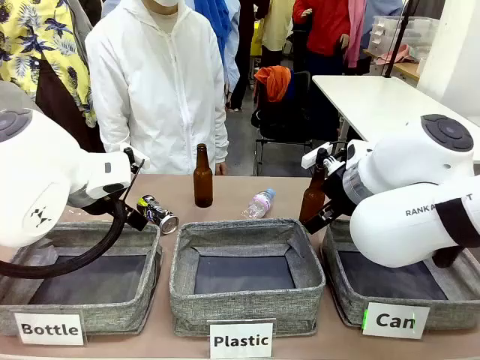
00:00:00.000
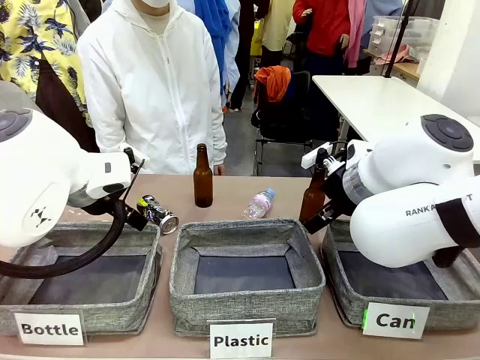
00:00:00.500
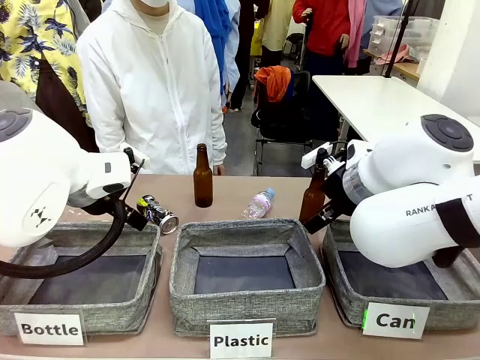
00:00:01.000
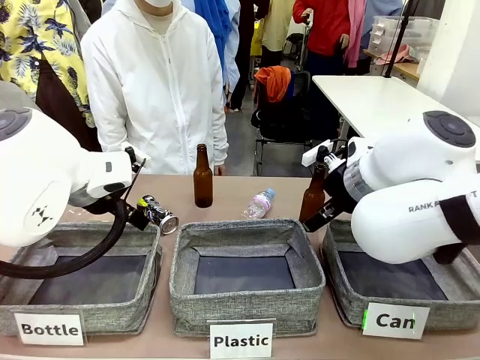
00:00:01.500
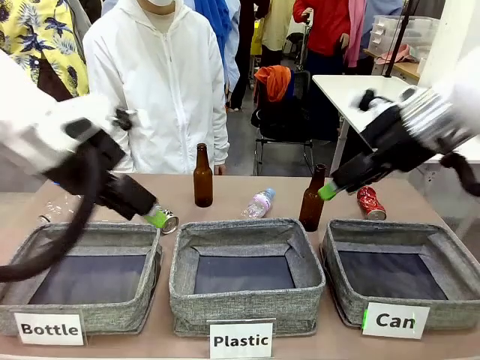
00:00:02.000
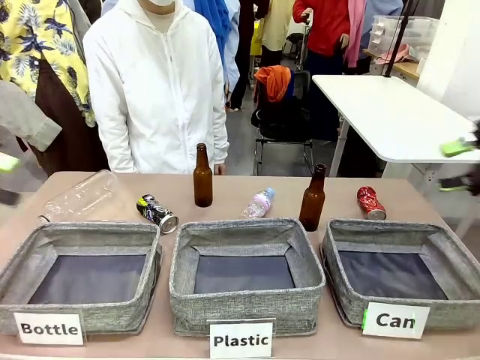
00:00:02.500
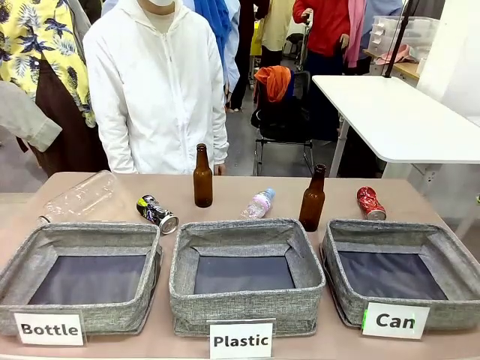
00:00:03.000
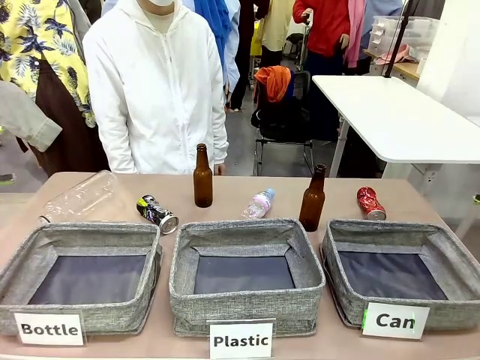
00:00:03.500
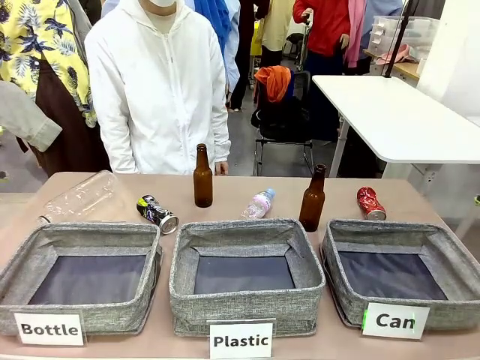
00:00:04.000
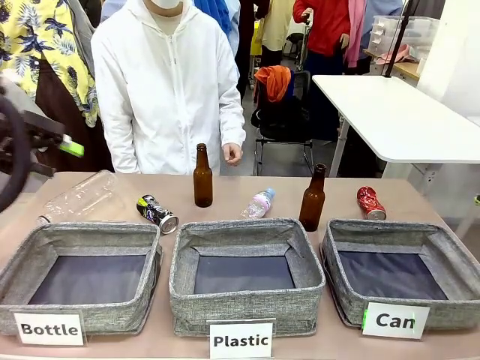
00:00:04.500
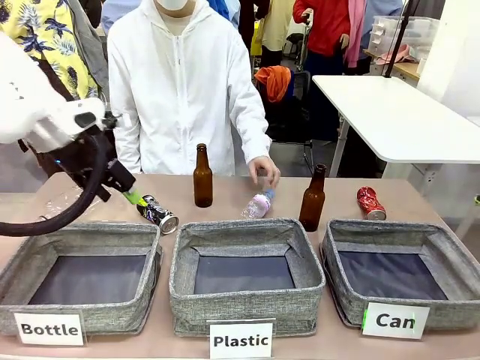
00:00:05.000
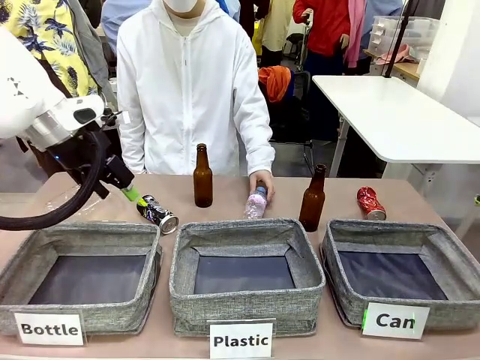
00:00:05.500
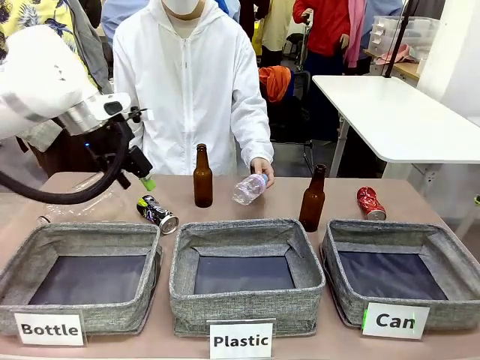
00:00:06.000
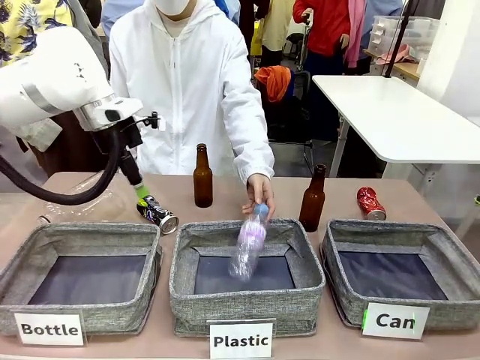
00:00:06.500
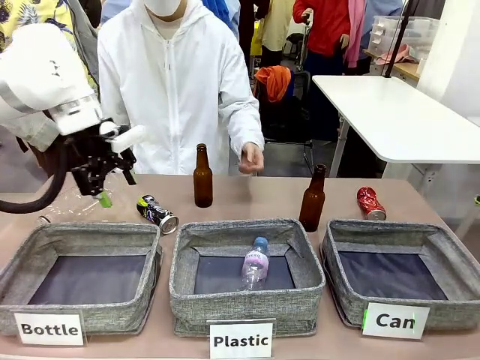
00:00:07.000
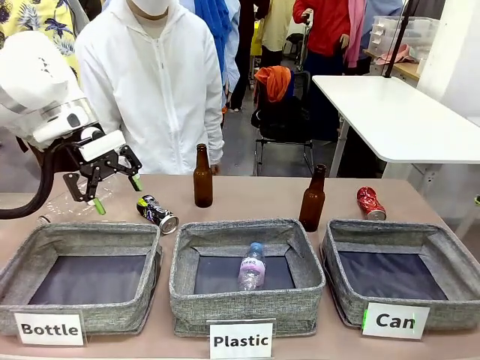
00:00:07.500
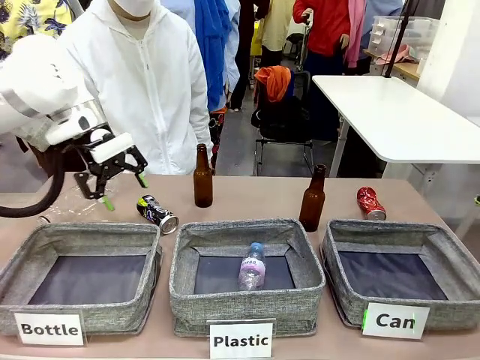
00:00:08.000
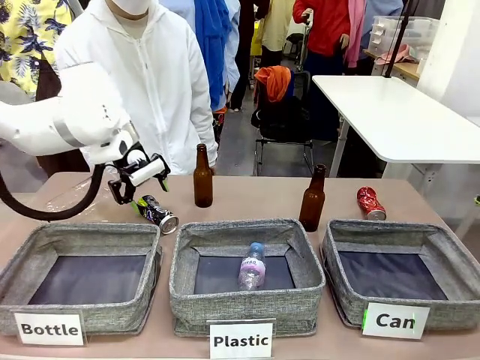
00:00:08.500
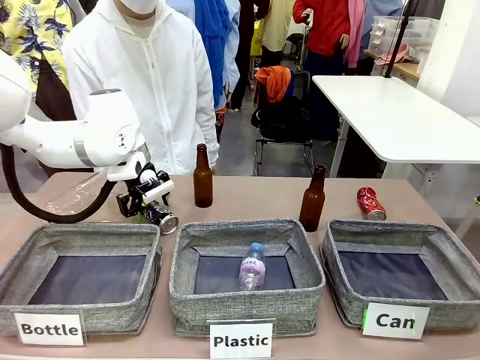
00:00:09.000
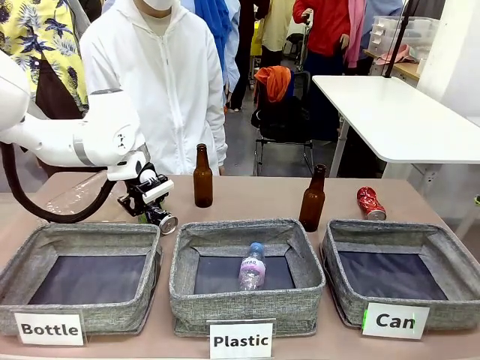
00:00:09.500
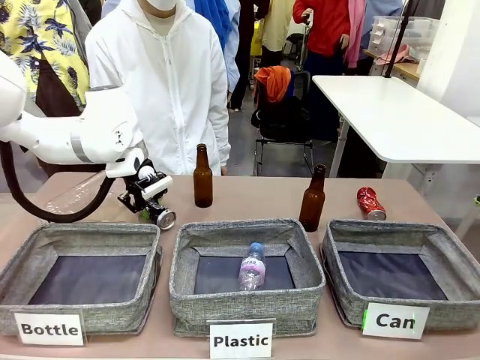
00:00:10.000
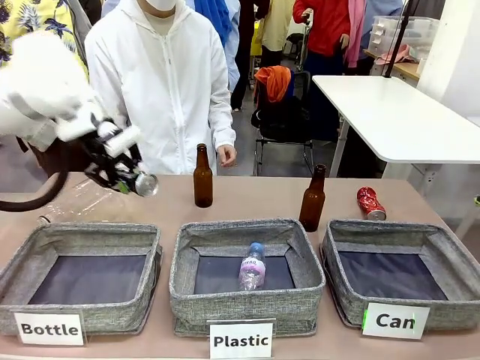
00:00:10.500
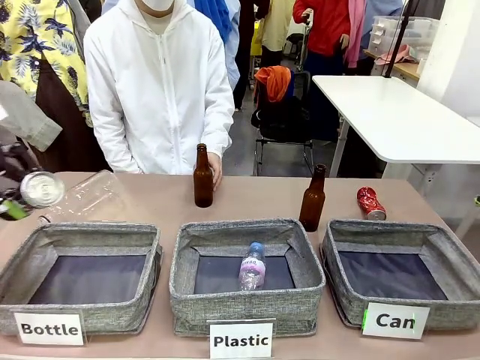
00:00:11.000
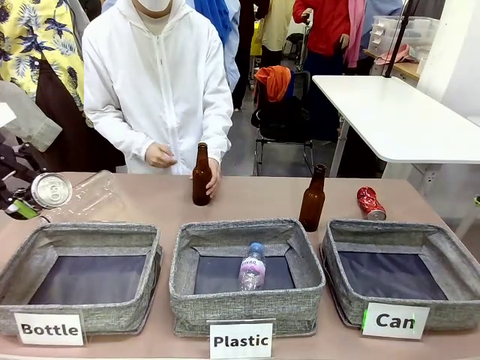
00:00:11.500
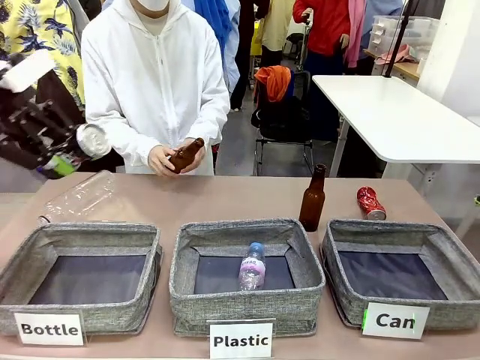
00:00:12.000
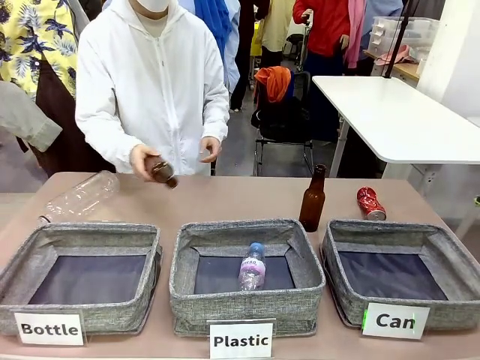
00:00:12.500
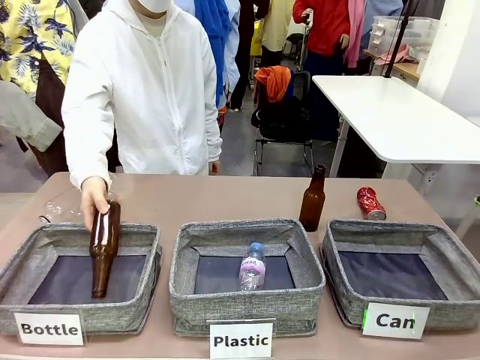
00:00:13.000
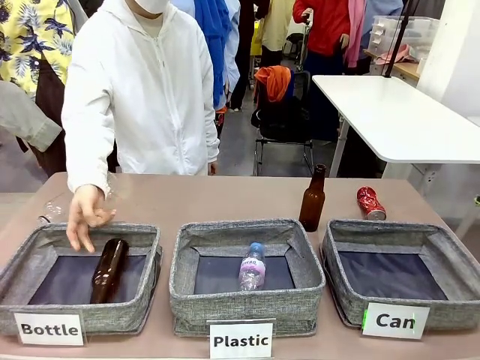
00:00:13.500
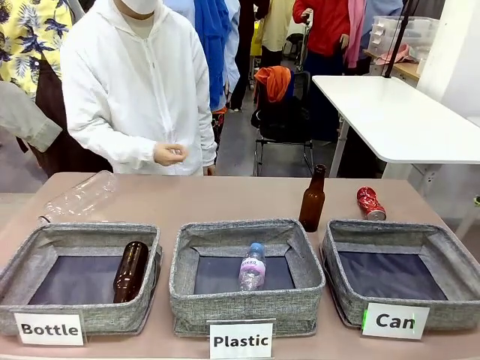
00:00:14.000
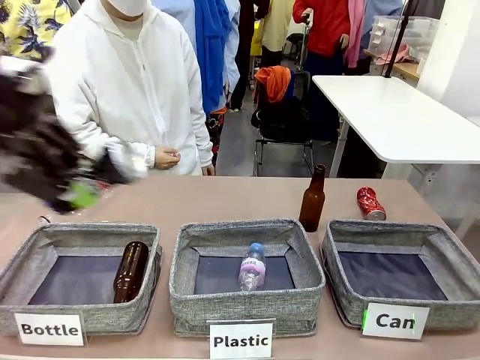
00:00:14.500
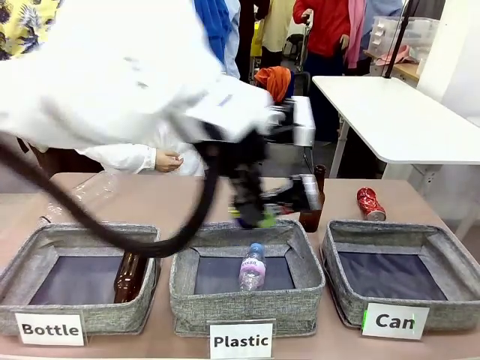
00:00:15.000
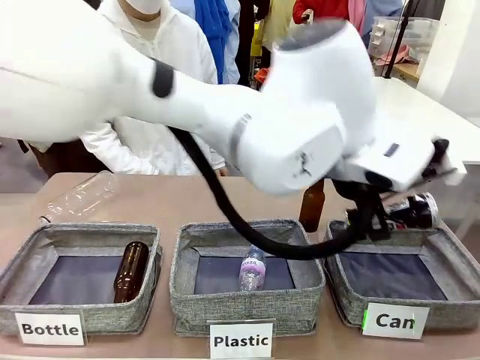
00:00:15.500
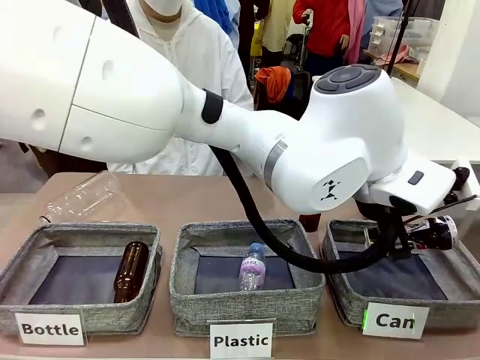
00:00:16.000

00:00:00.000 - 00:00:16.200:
Task: Sort the can waste into the basket.
Robot: Pick up the can waste from the table and place it in the right Fabric basket.

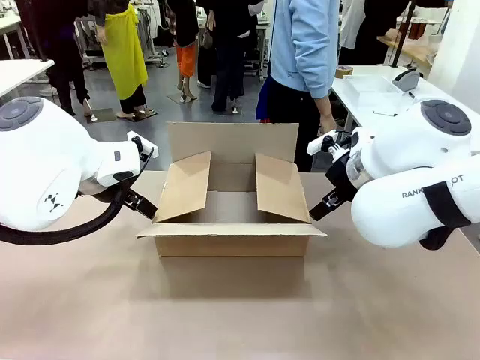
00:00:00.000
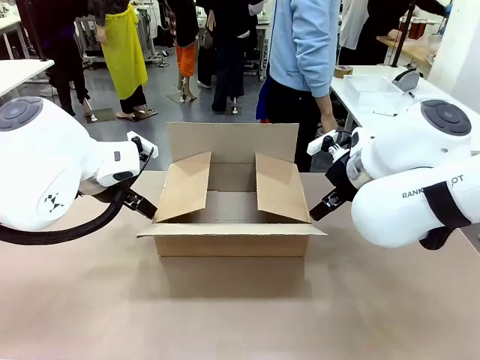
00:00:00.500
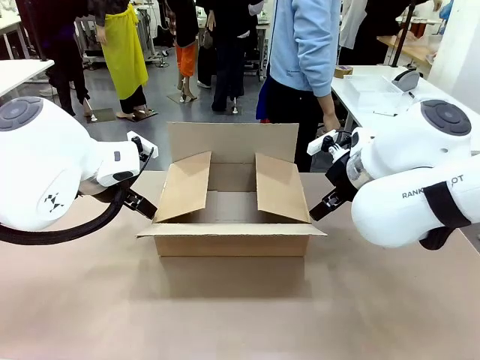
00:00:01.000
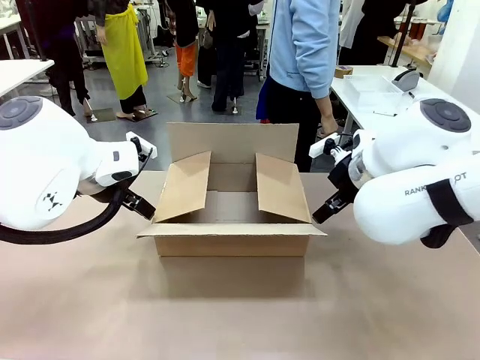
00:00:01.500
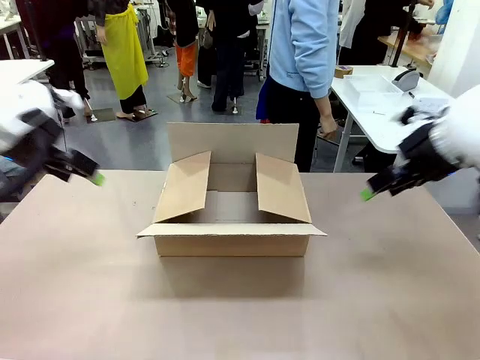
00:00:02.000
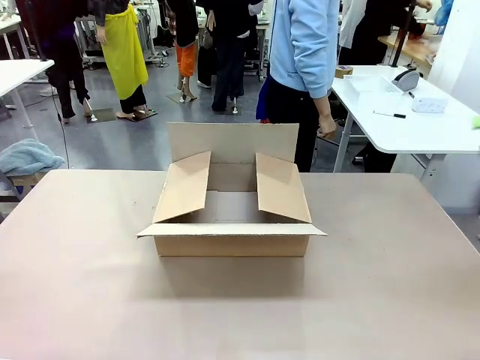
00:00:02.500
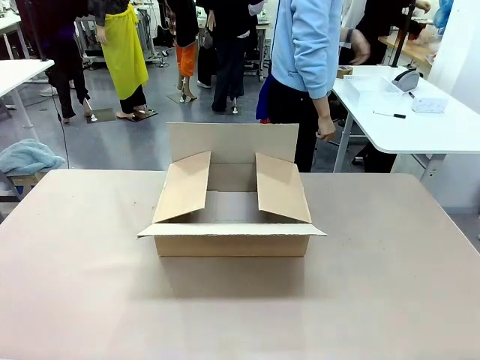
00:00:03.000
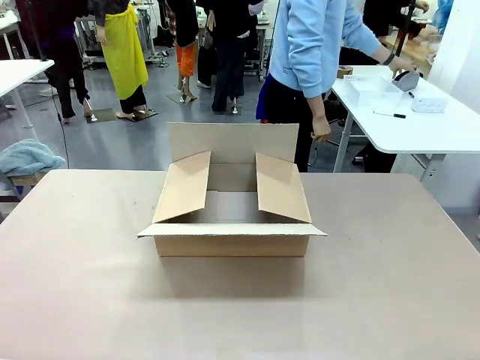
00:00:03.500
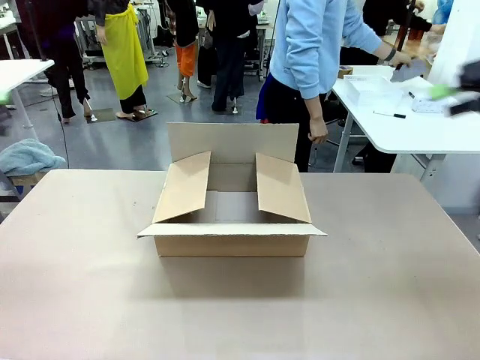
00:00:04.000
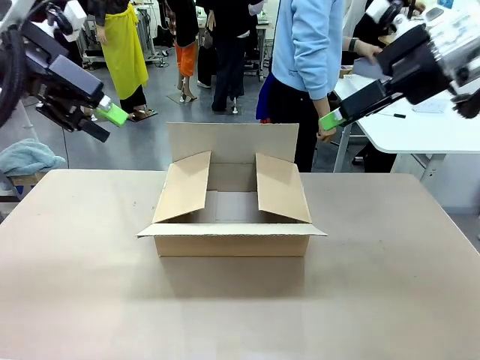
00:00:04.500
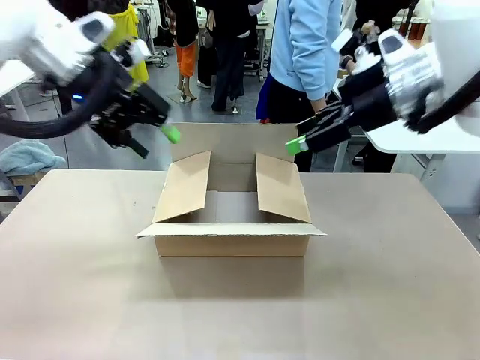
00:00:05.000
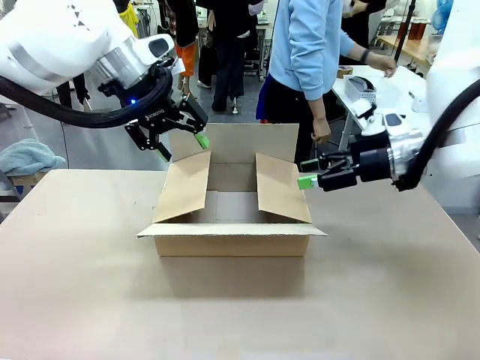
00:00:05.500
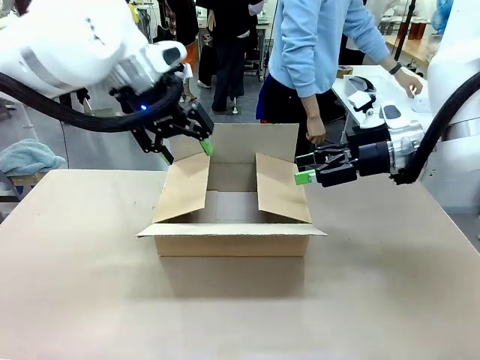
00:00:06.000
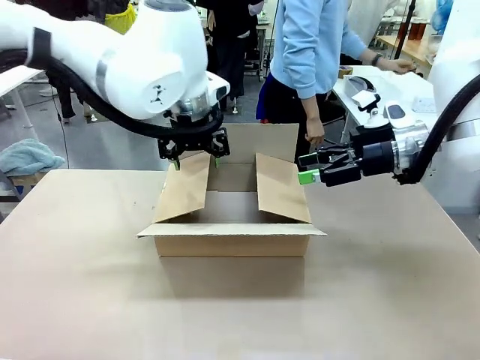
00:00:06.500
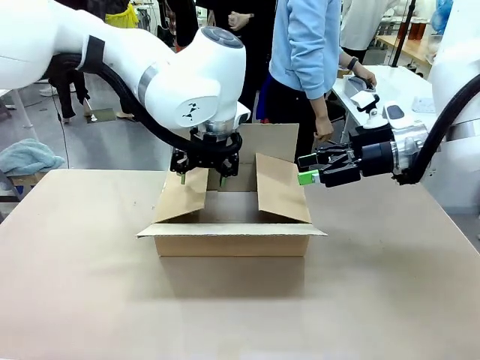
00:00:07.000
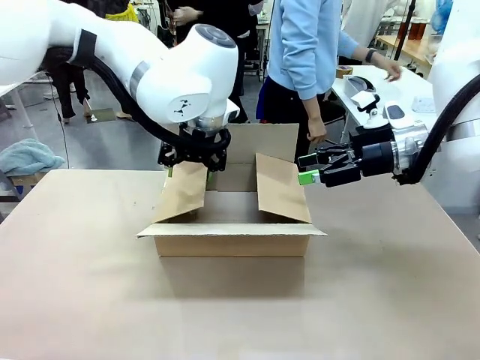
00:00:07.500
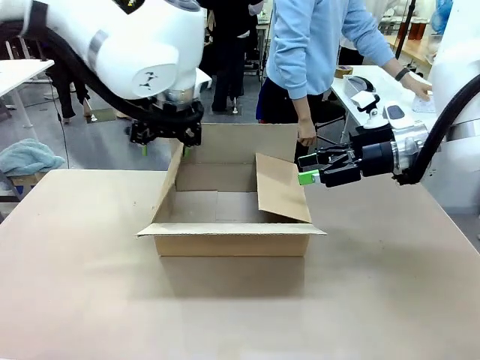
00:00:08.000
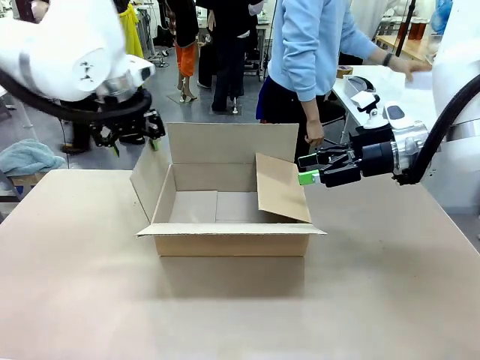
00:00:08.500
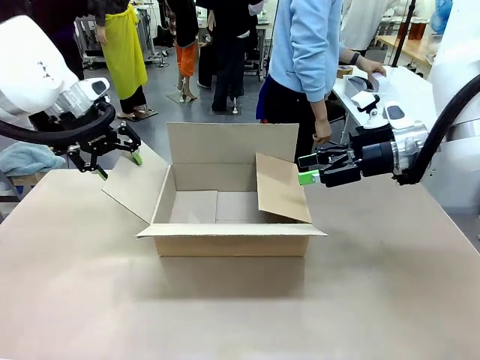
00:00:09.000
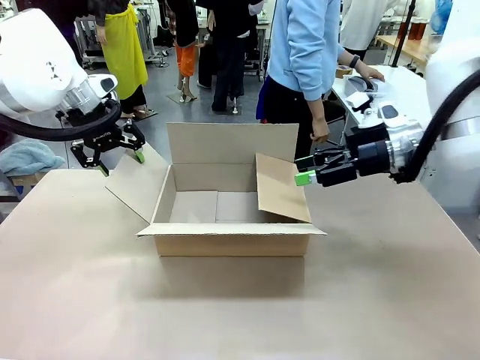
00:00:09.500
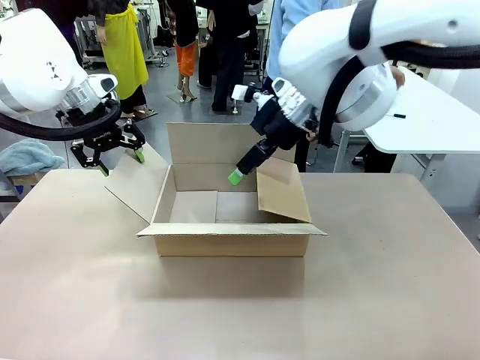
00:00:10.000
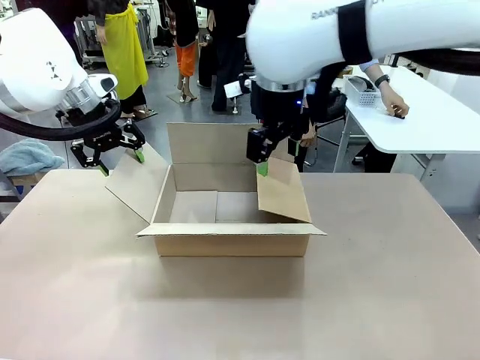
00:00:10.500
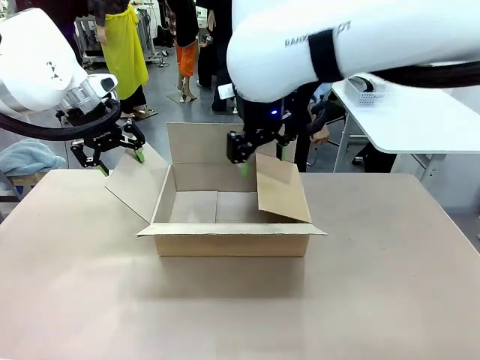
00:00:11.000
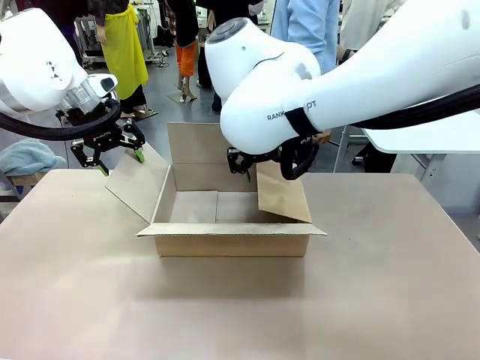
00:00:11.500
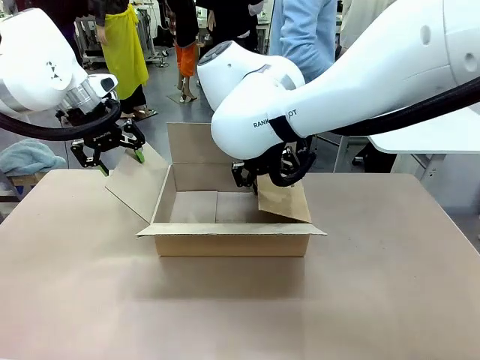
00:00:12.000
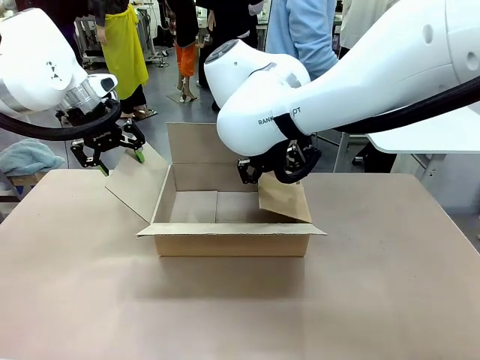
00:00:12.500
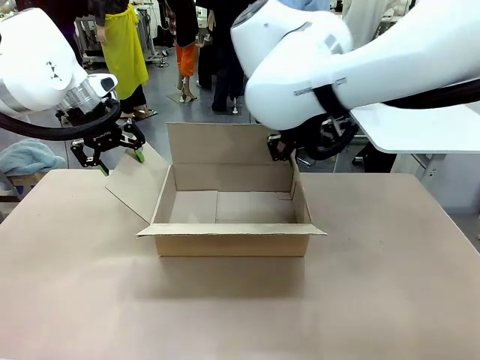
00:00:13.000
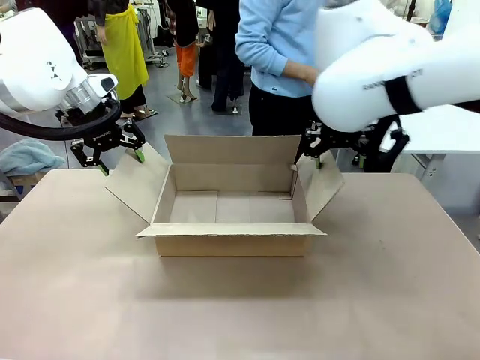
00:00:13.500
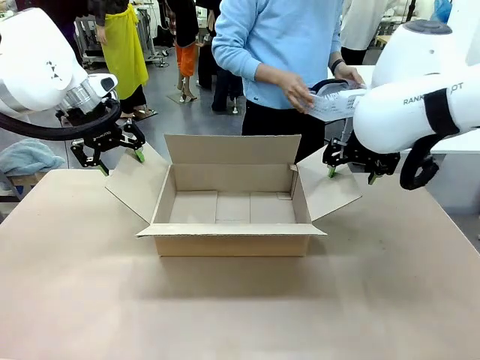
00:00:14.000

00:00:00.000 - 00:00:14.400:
Task: Pack the gift set into the box.
Robot: Place both hands on the side flaps of the Package Box and spread them outward.
Person: The human places all items except the paper tape into the organizing basket.
